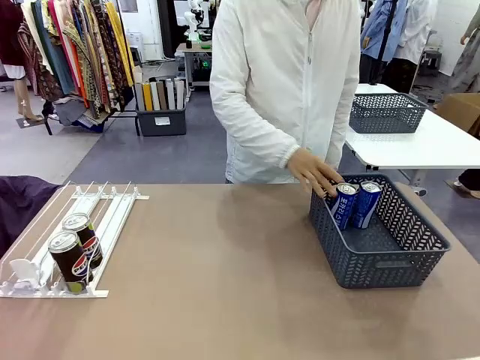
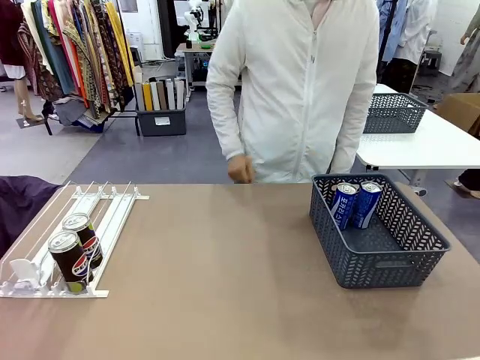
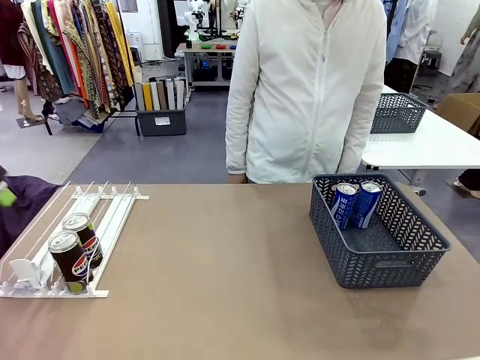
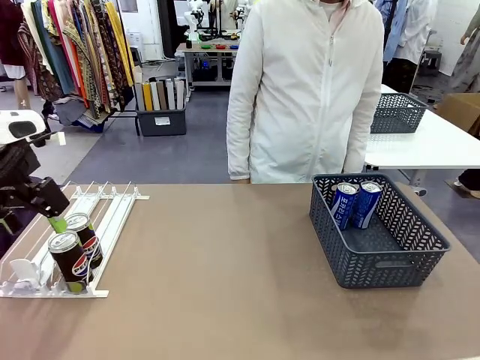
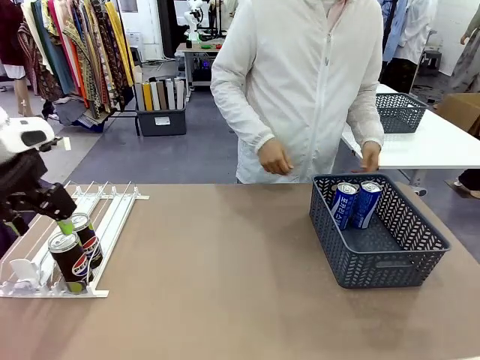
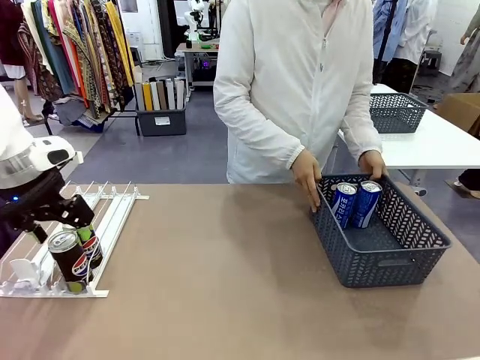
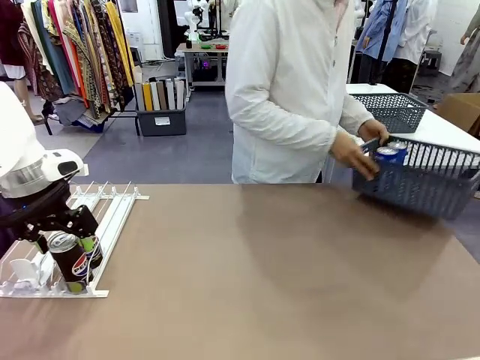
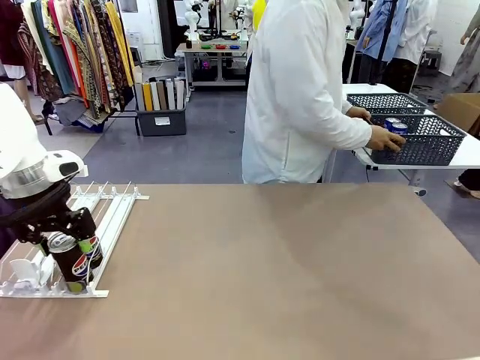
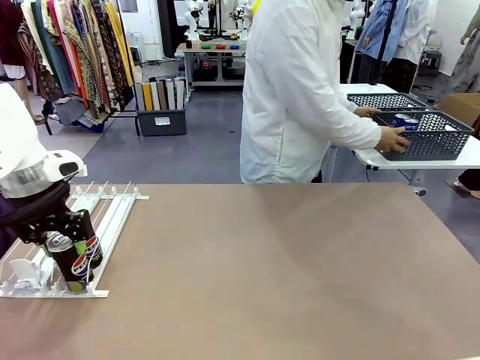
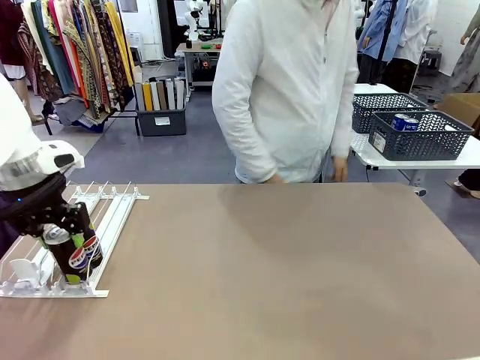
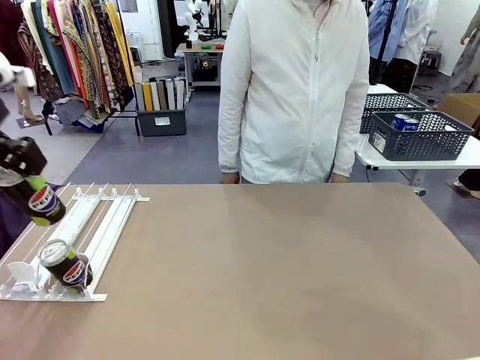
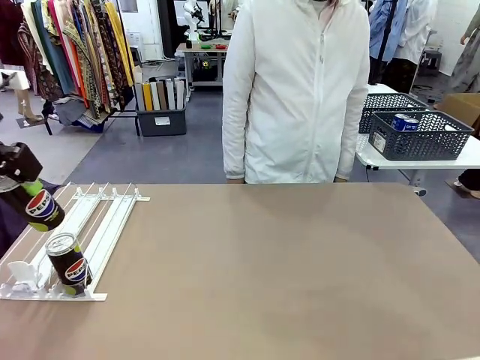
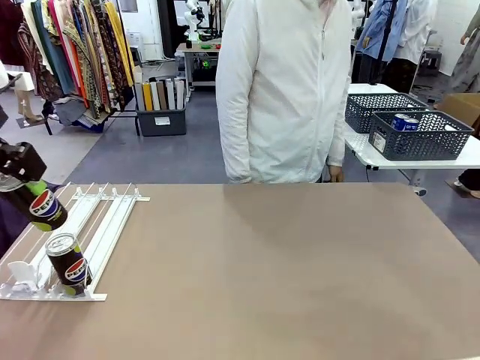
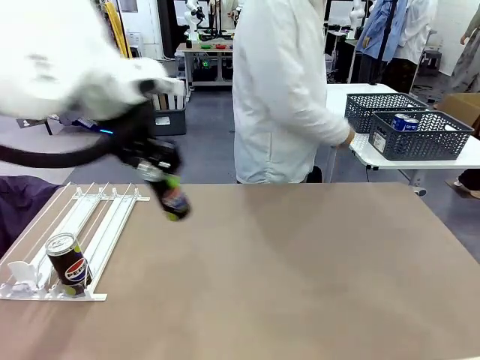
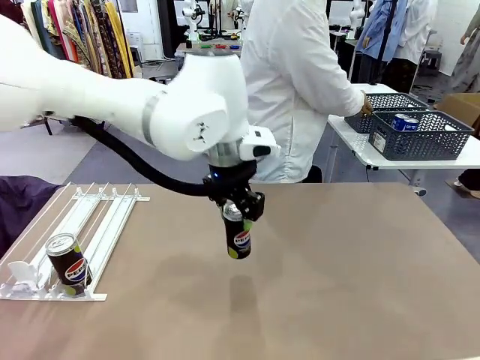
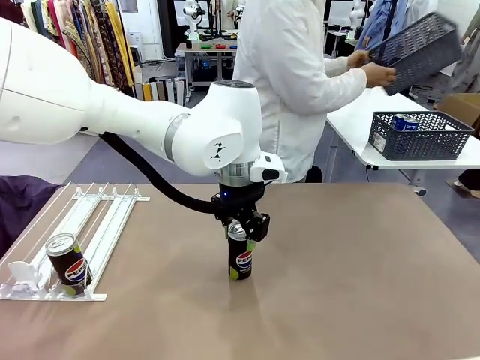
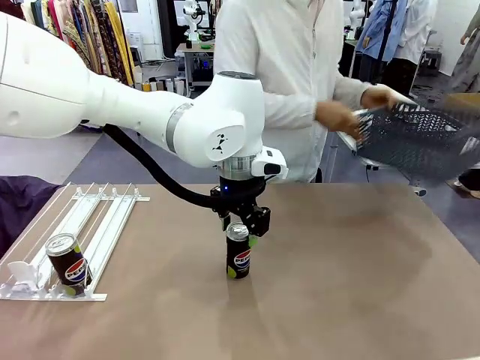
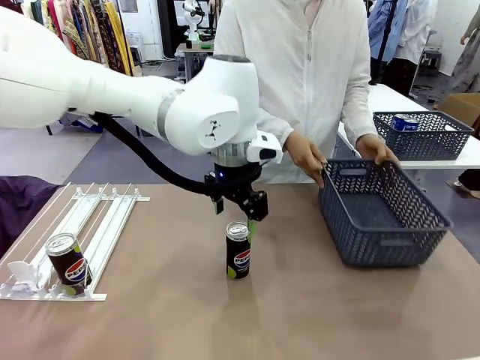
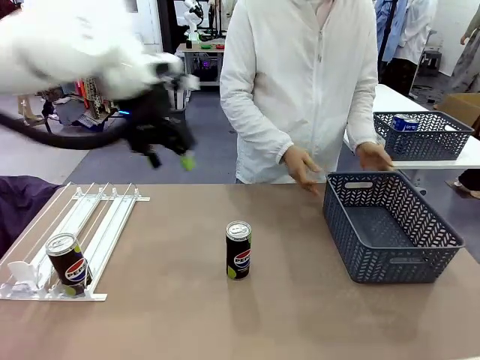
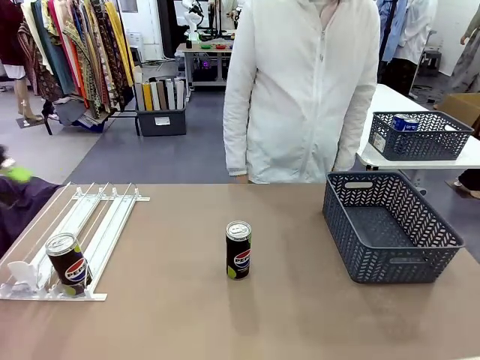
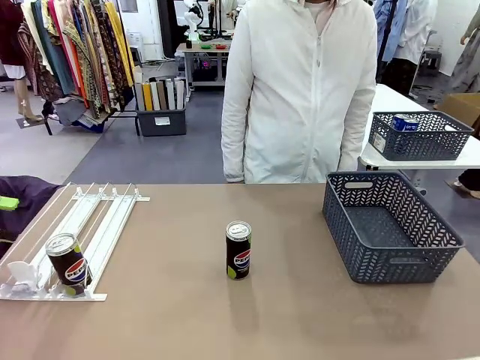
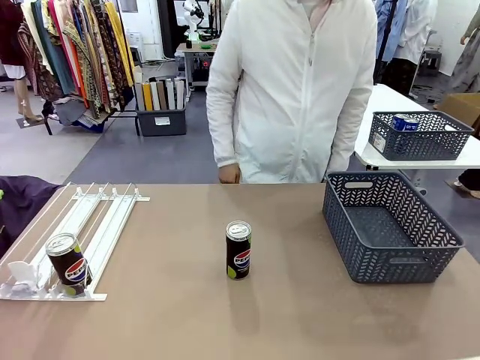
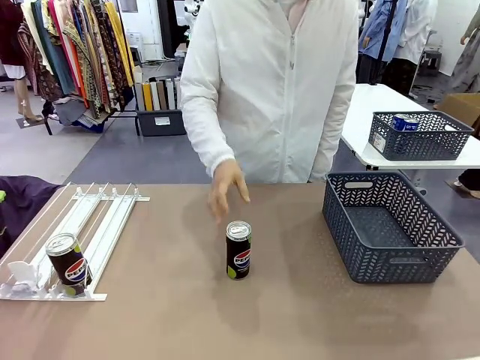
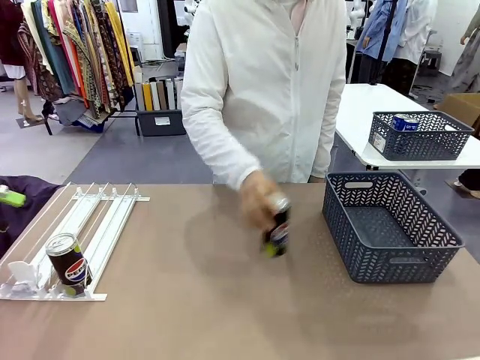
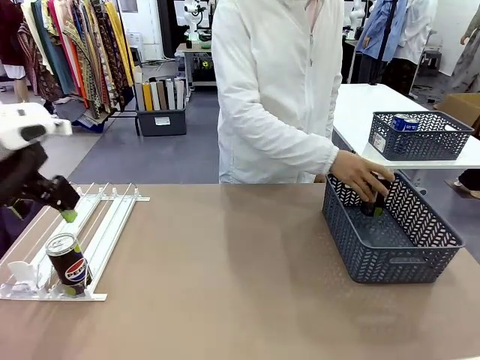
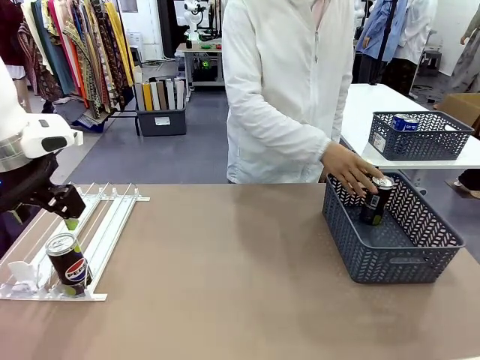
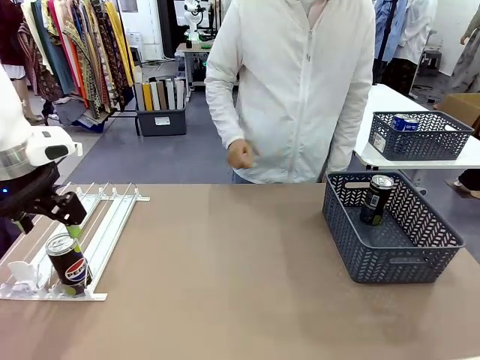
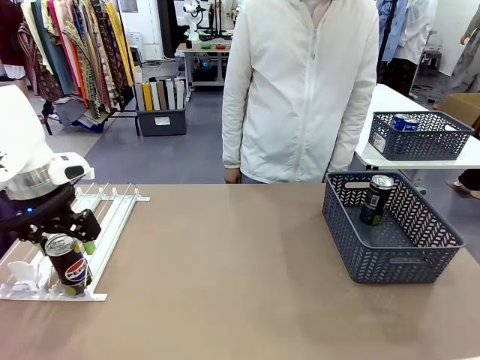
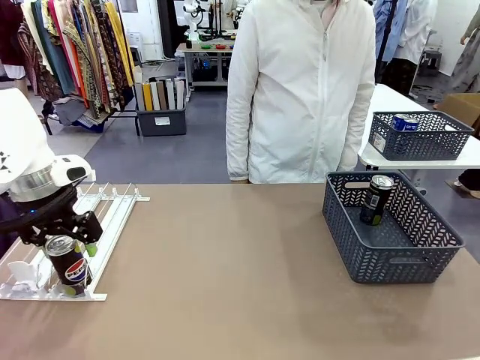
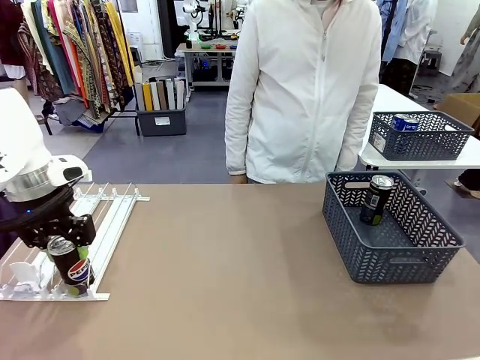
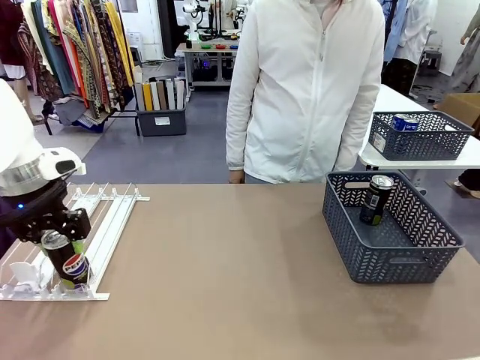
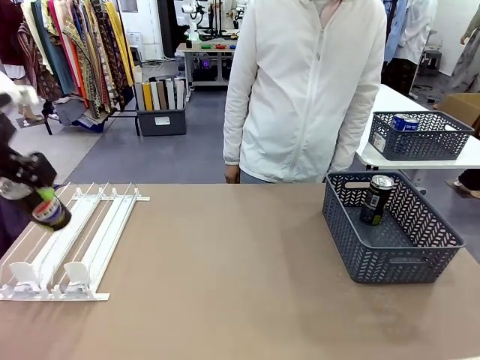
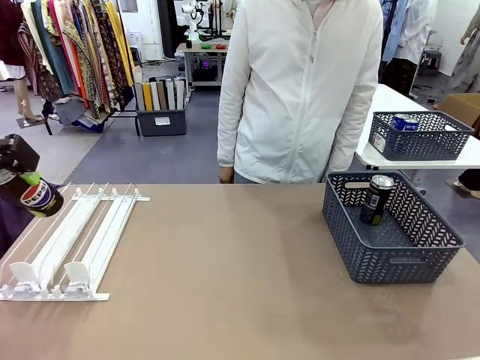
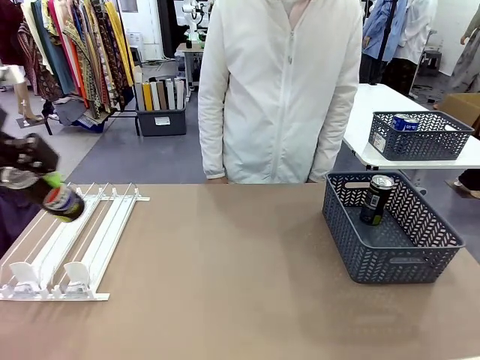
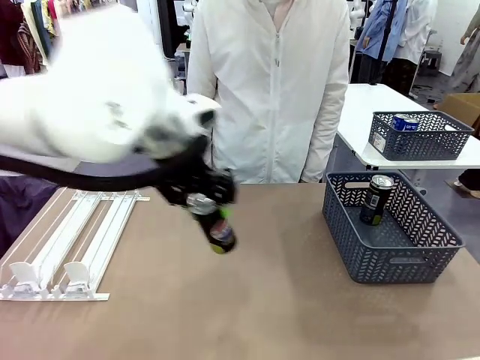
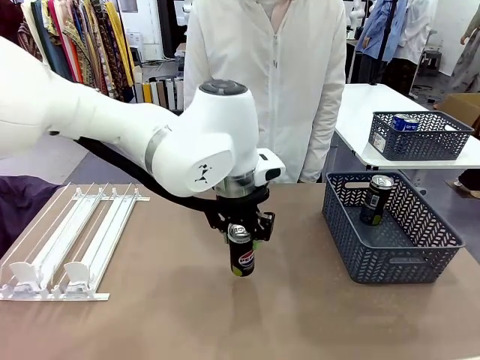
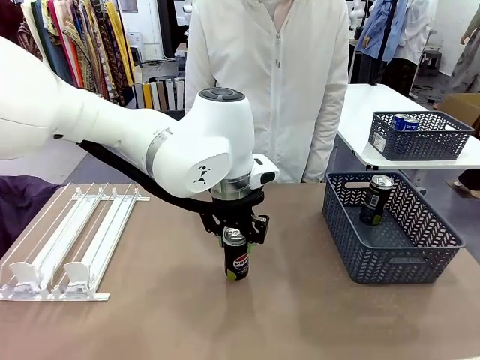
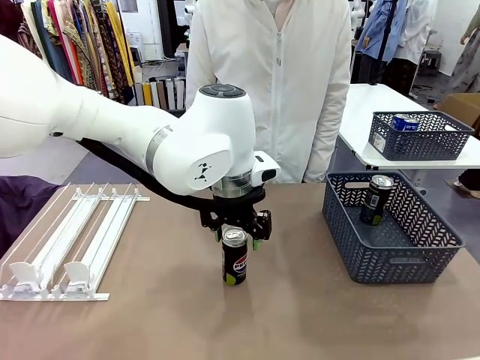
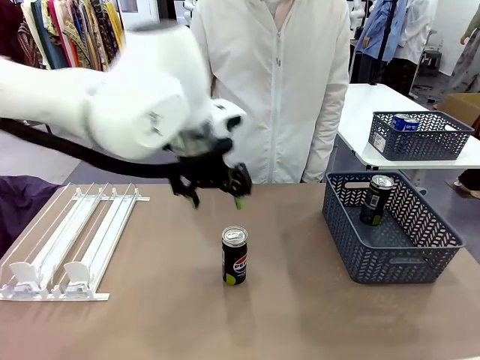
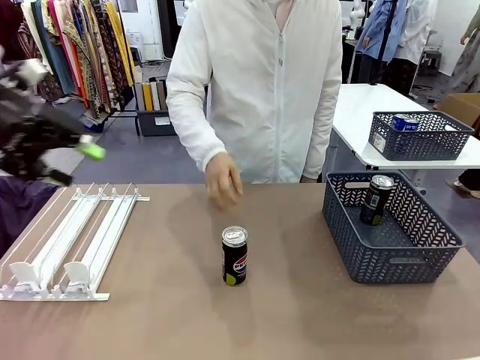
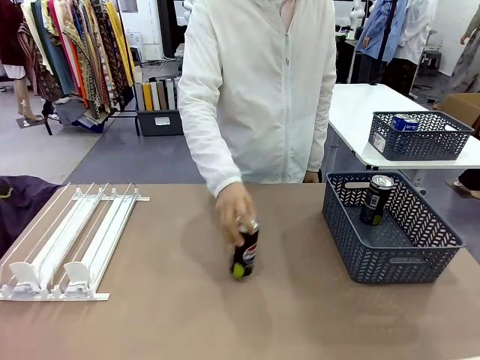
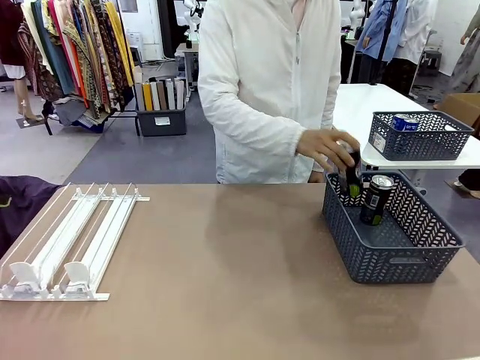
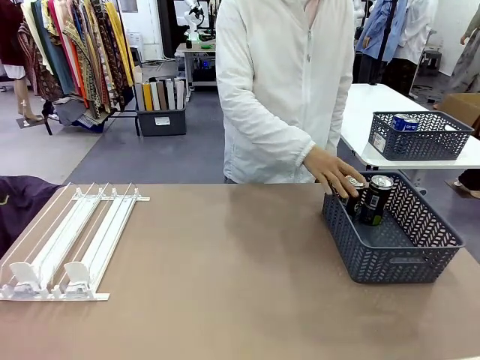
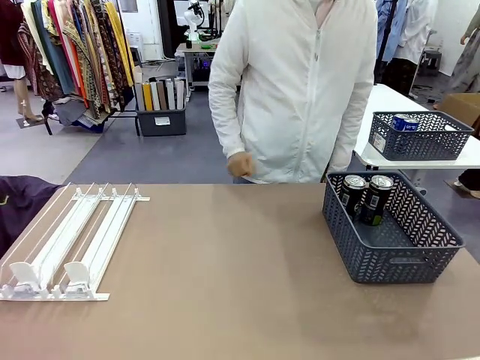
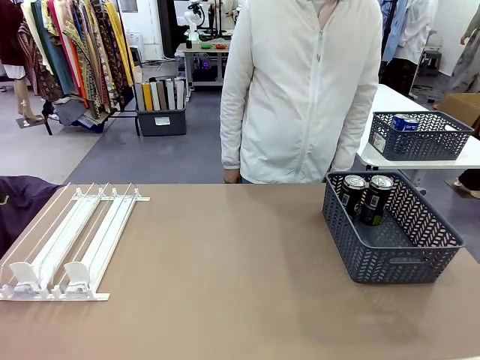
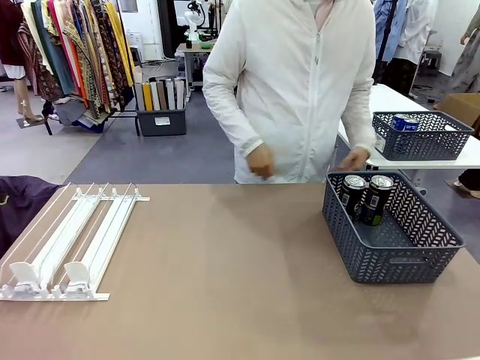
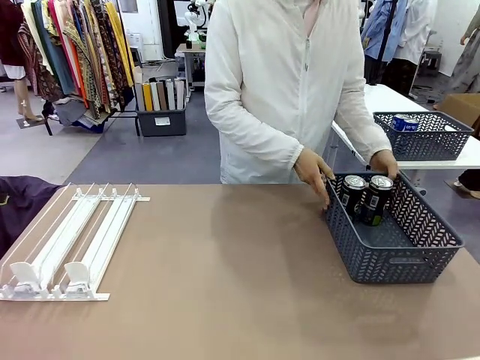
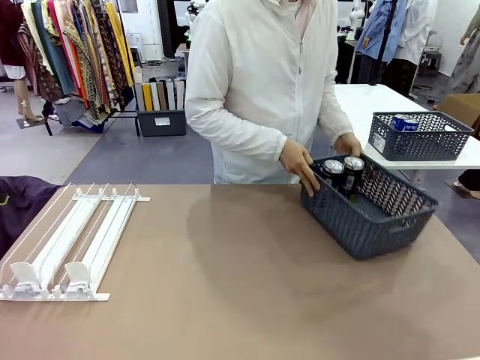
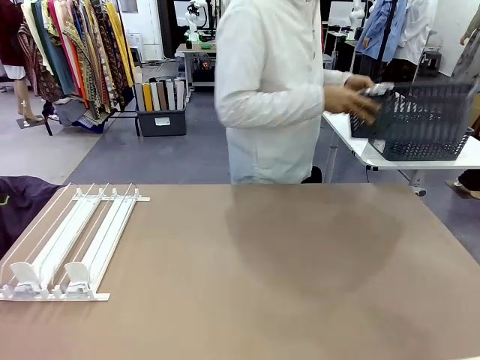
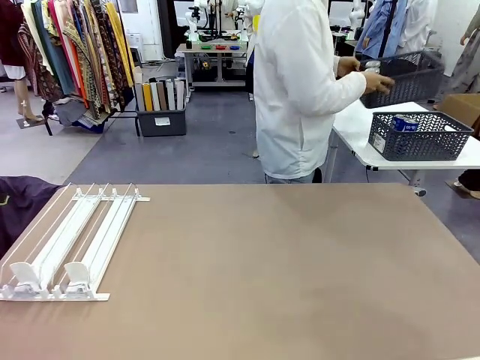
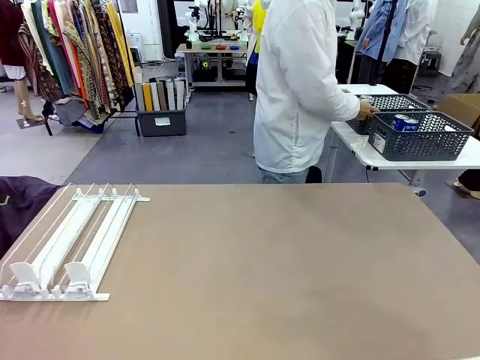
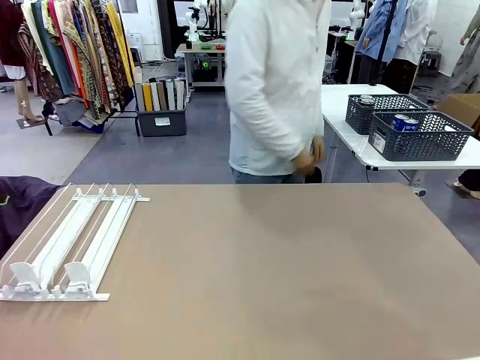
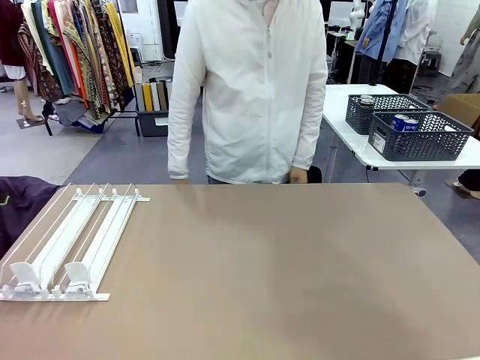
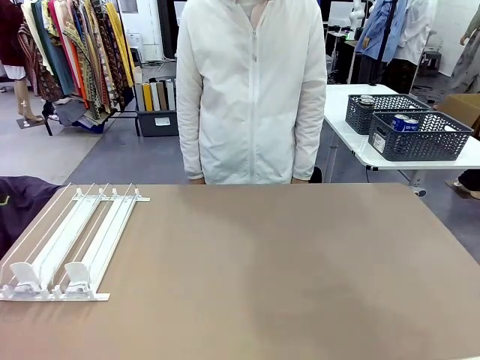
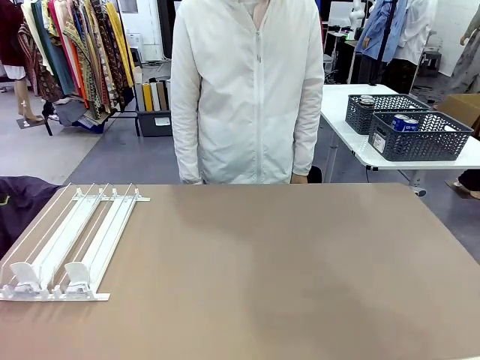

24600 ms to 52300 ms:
Task: Retrieve and store the cans from the dispenser.
Robot: Pick up one can from the Automatic Can Dispenser and place it in the middle of the table.
Person: Pick up the basket and place it in the middle of the human table. Pick up the empty basket and place it on the left side of the robot table. Pick up one sports drink can from the middle of the robot table and place it in the basket. Pick up the basket and place it in the middle of the human table.
